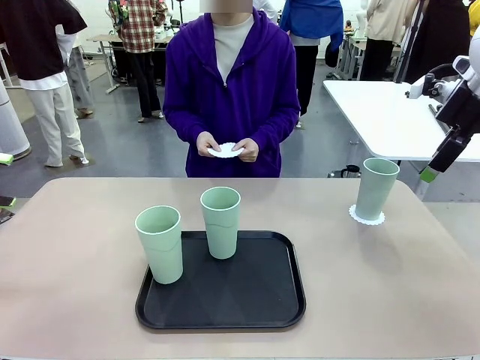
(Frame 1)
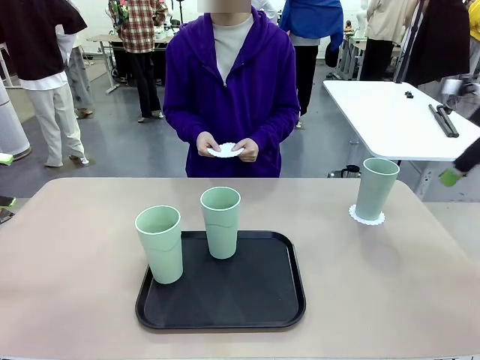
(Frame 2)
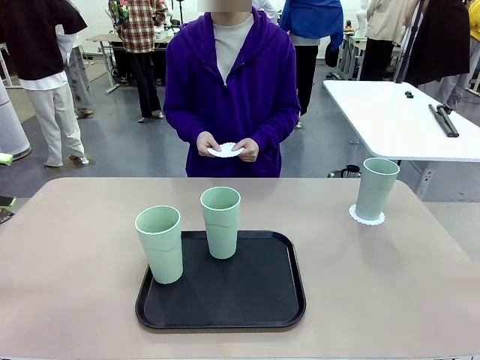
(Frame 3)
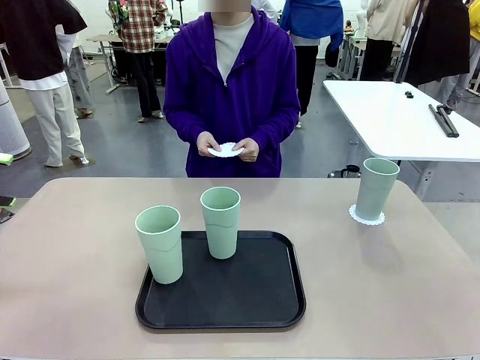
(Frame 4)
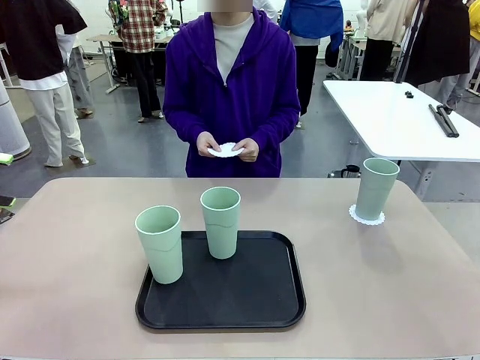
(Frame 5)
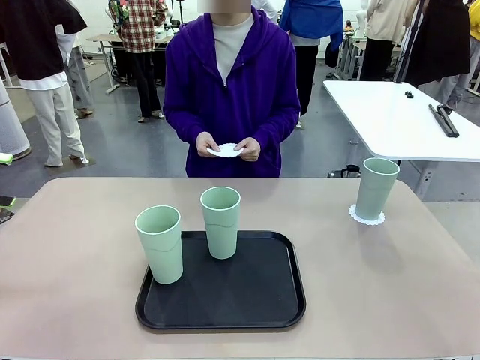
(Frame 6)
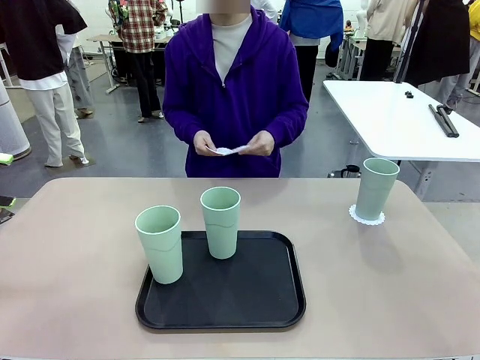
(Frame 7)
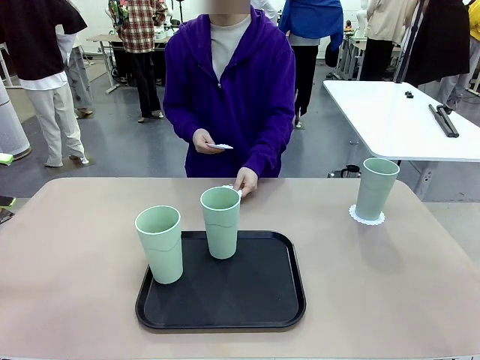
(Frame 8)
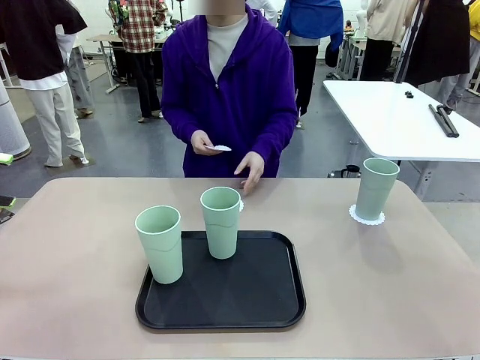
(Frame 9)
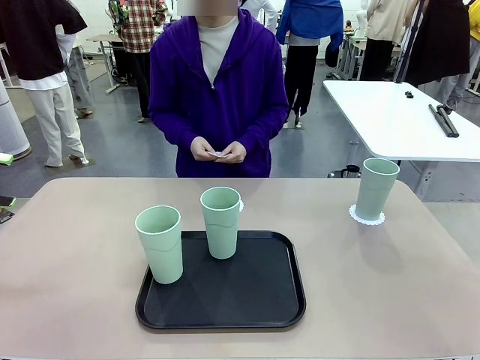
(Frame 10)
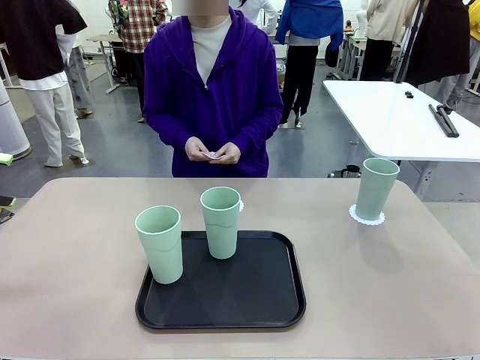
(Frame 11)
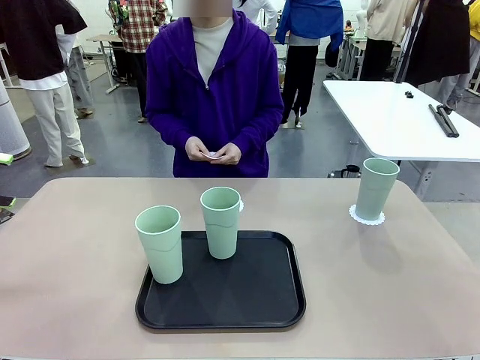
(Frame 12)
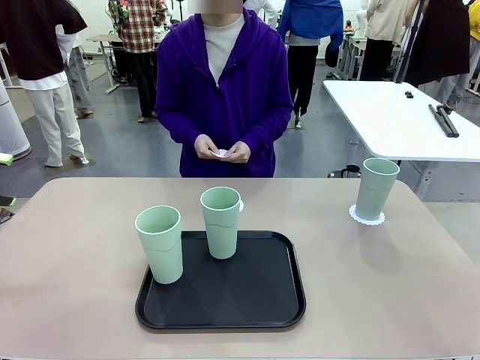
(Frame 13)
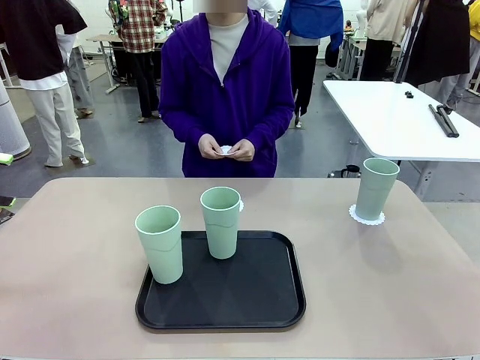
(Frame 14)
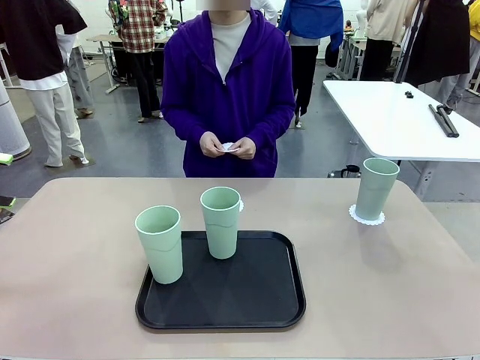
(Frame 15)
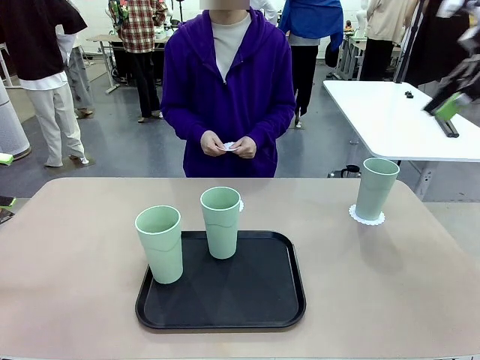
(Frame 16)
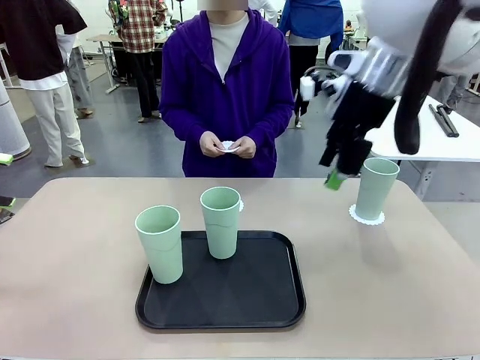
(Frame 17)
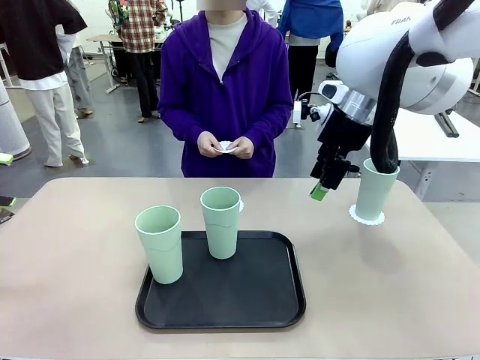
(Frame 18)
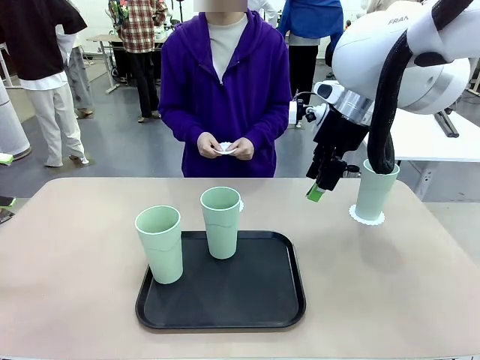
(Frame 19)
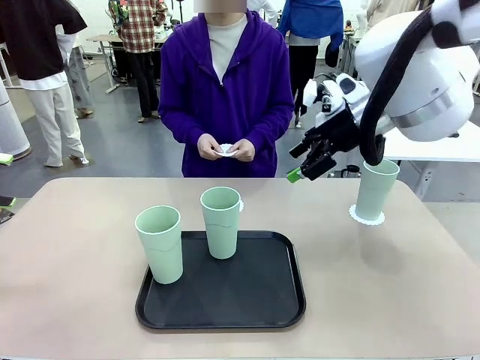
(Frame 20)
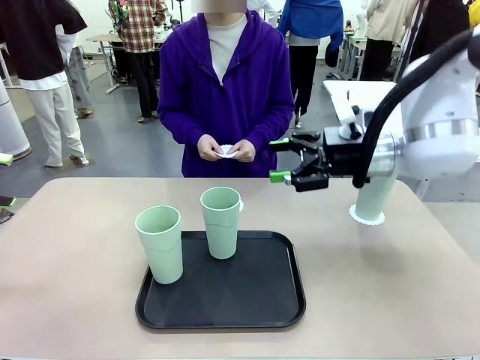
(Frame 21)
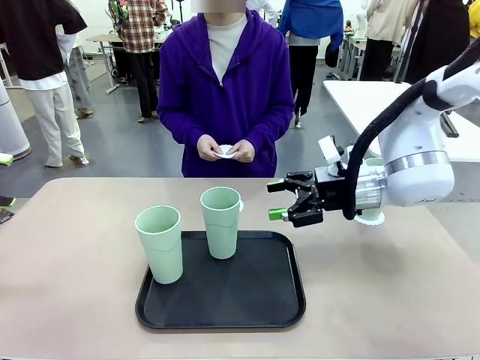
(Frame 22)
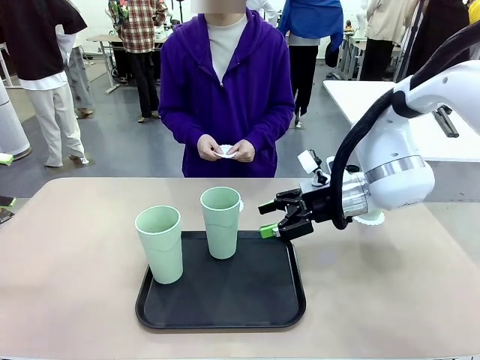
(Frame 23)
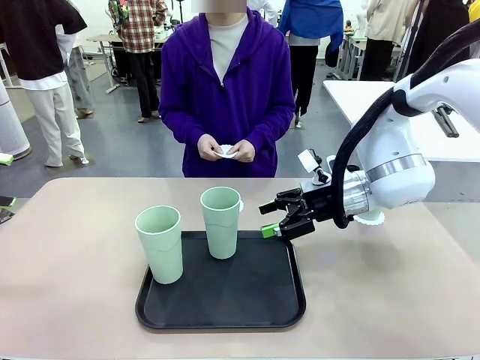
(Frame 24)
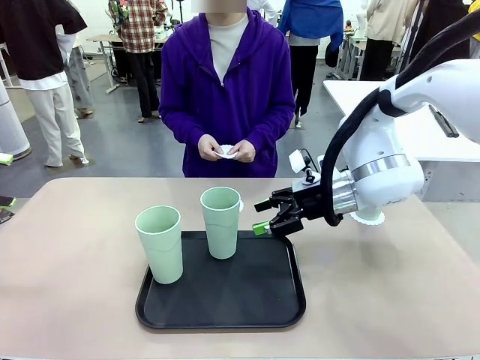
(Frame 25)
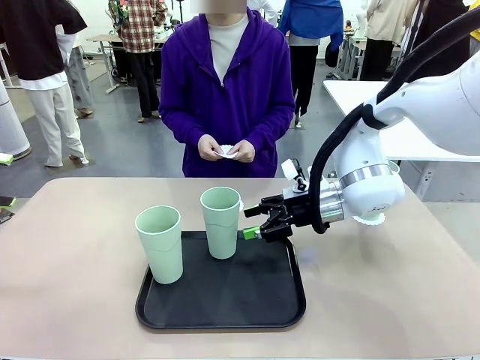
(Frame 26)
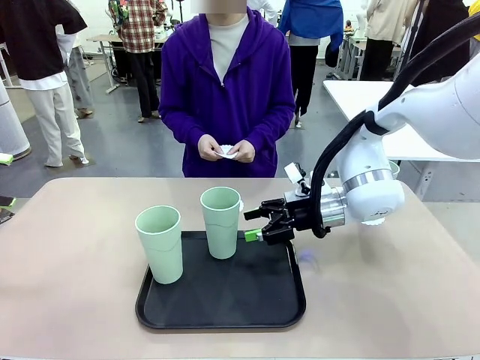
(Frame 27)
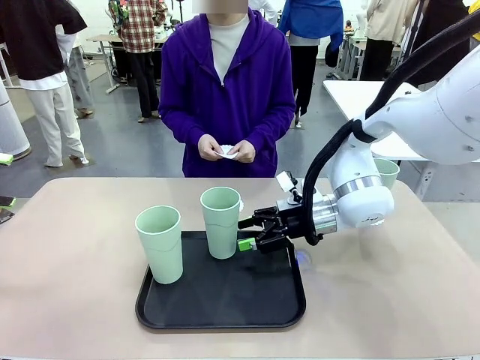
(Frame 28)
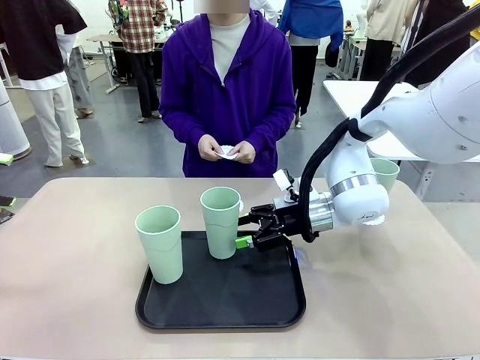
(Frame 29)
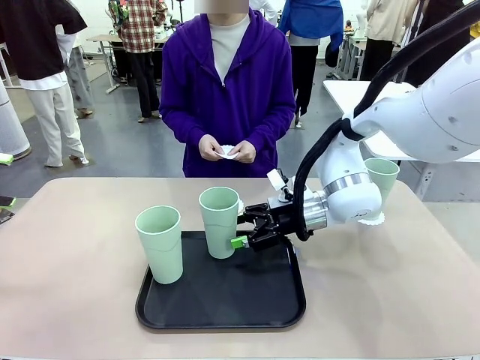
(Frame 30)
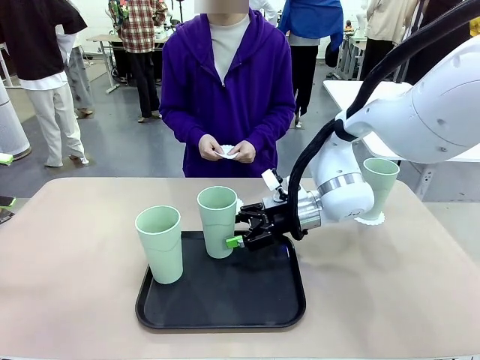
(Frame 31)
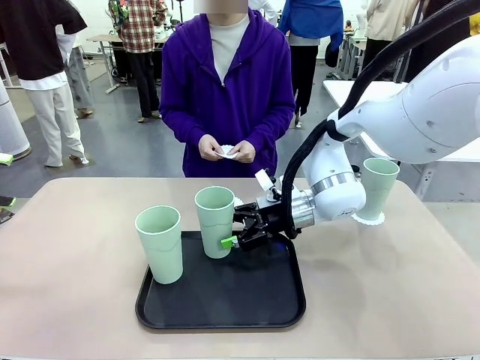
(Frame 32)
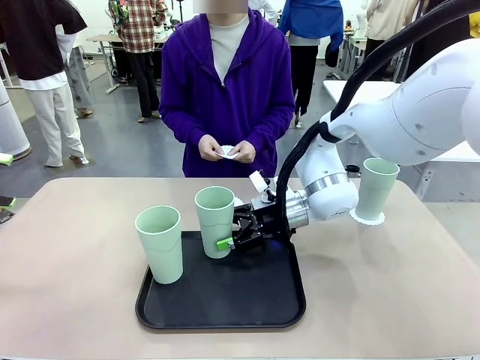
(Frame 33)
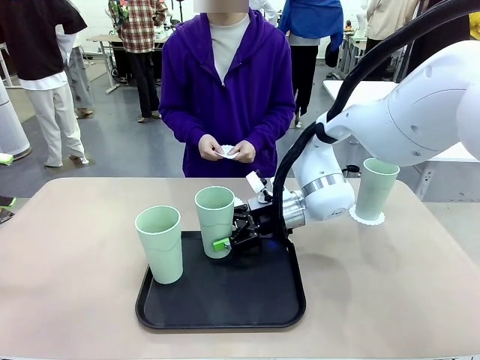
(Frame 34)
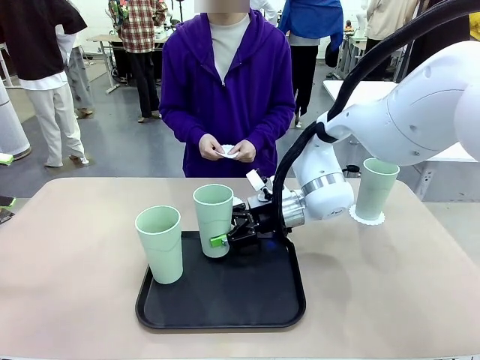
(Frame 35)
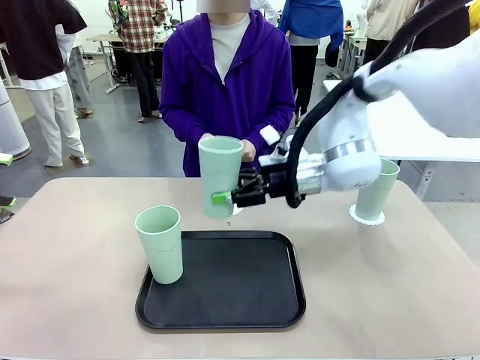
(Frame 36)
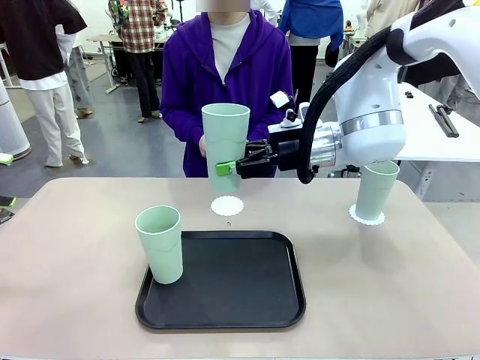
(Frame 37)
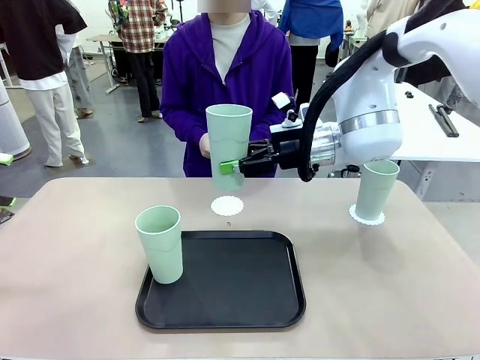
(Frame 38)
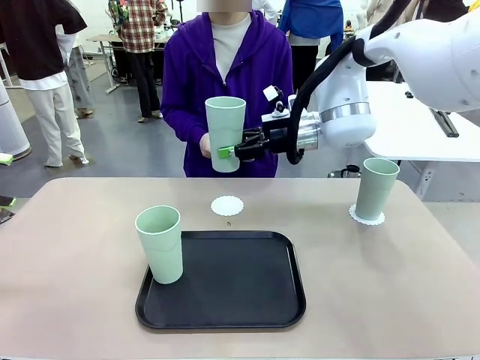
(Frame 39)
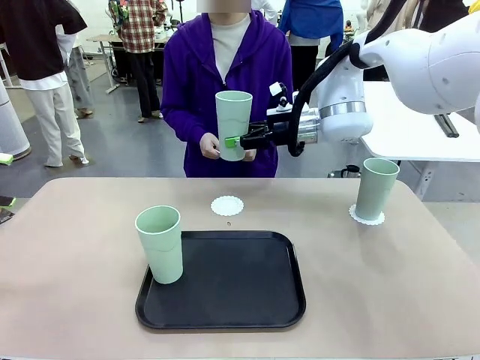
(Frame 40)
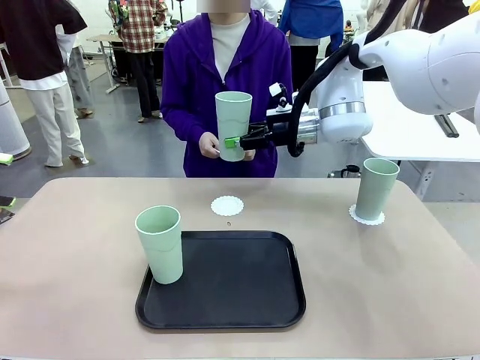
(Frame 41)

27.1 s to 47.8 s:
Task: Place coasters on the table and set cups on them.
Robot: Take one Reusable plastic cup from the Flat Tray and place it on a coaster set by the human.

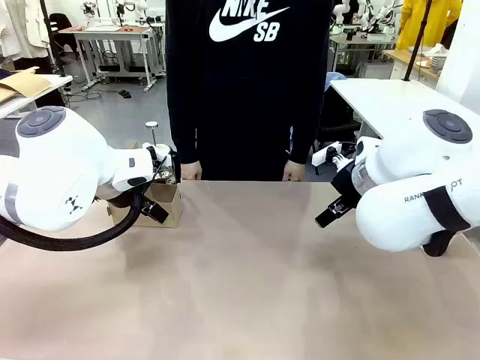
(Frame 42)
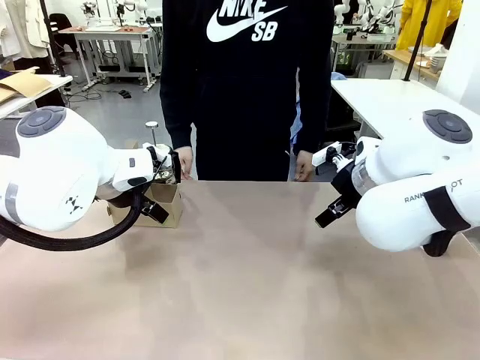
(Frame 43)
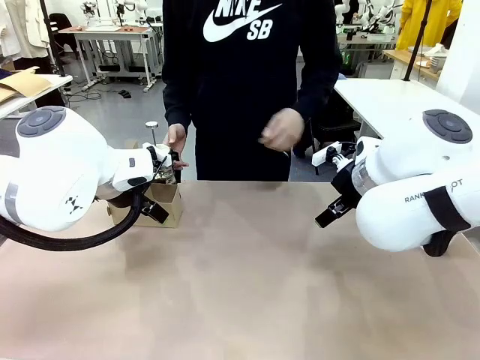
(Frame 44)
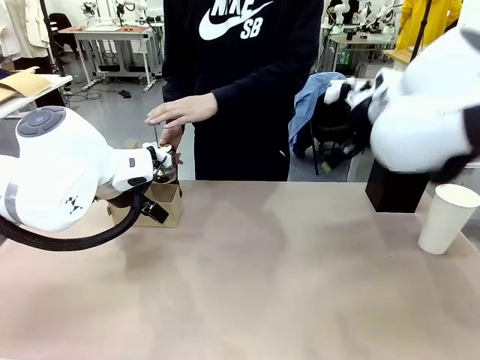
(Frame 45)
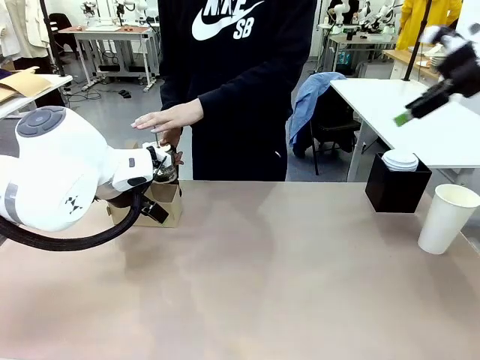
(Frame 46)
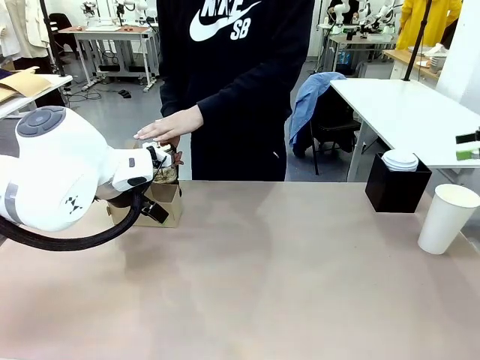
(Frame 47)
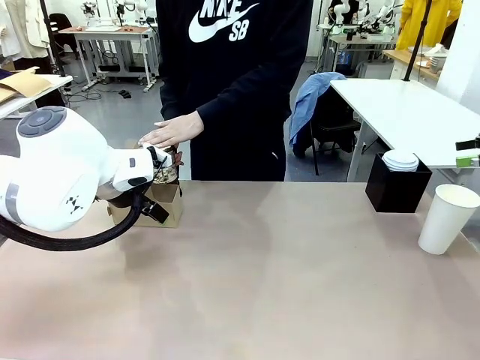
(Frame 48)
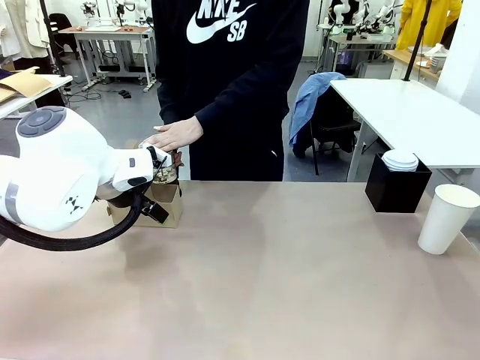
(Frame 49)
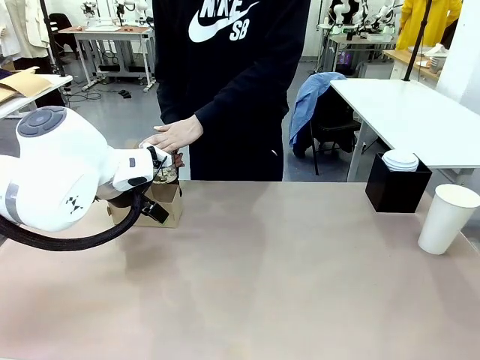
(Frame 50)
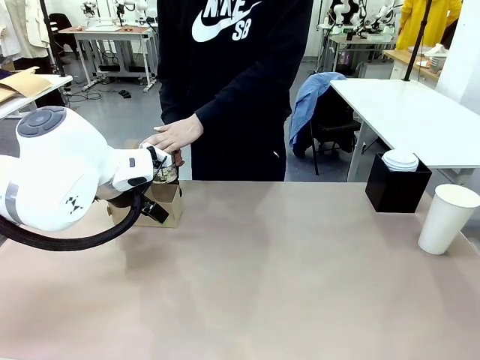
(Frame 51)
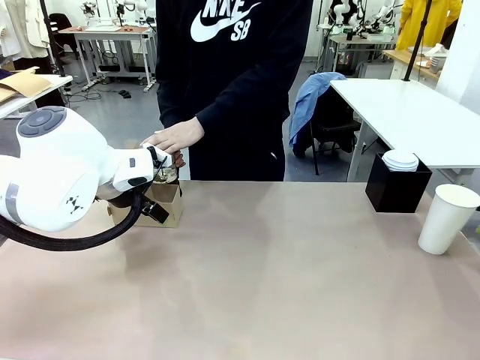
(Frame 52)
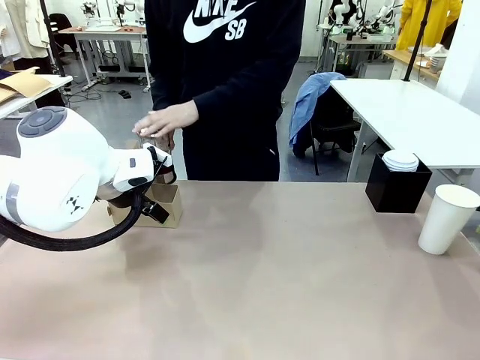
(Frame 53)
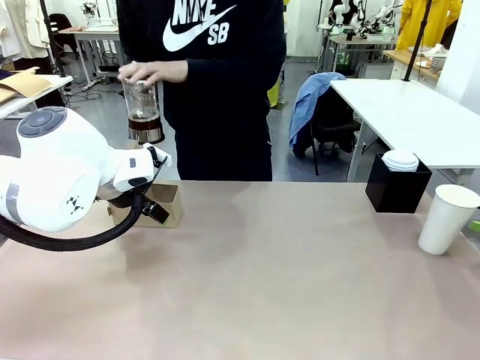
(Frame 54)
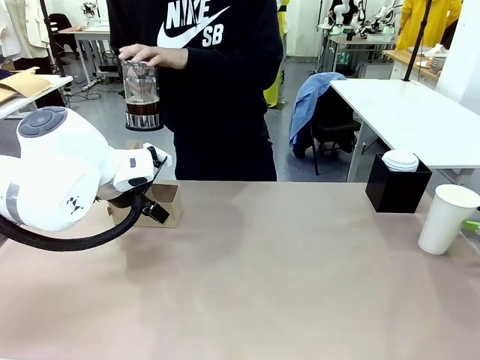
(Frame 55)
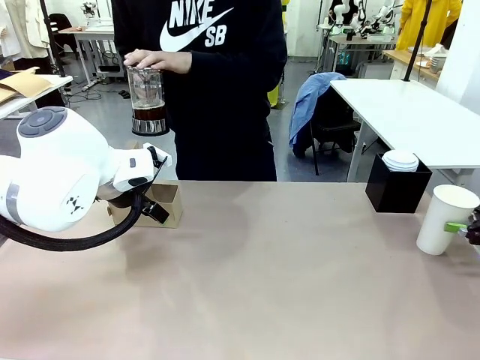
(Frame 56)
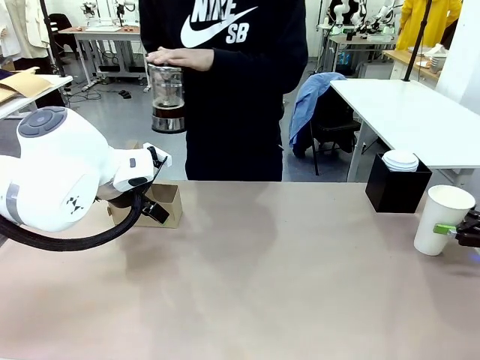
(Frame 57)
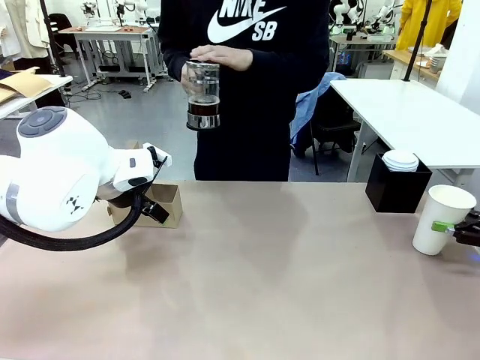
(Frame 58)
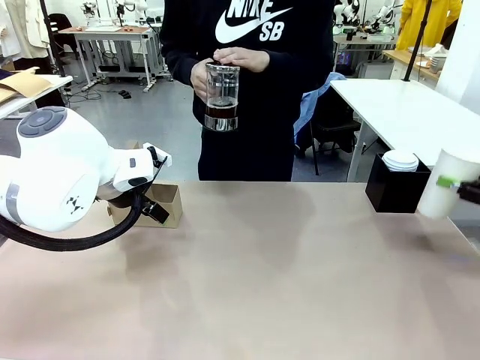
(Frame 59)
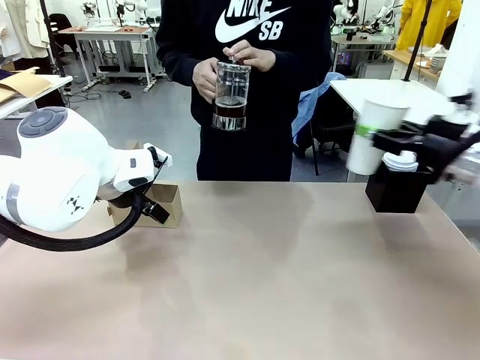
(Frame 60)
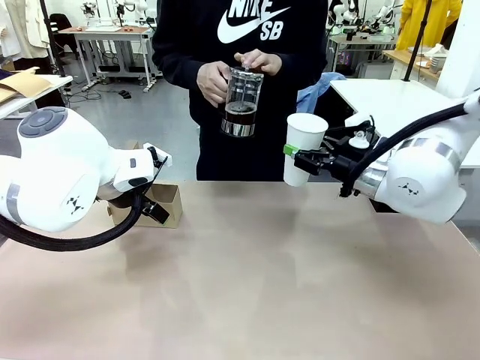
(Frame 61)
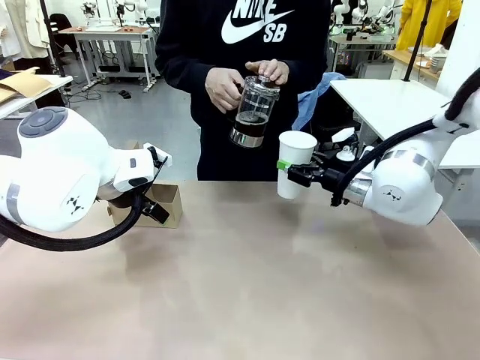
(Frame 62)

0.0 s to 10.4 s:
Task: Pour a drink into a cup and package it in a carrier.
Robot: Pick up the 600 ml Paper Cup and place it in the middle top area of the table.
Person: Press and pick up the Filter Brewing.
